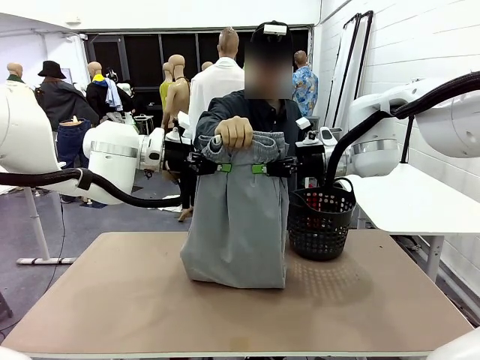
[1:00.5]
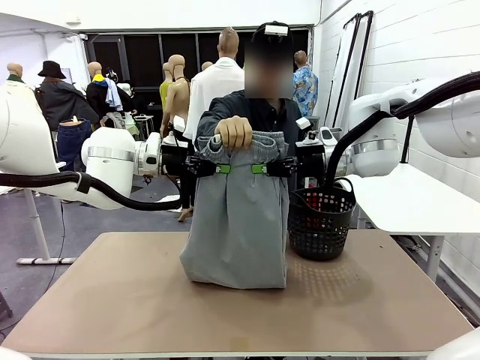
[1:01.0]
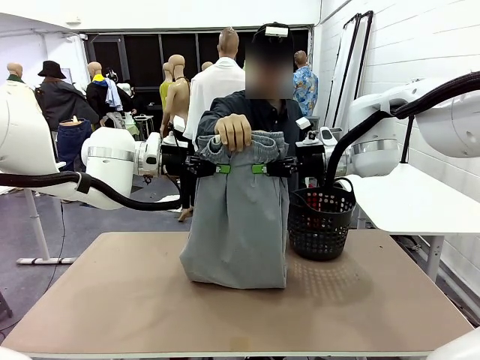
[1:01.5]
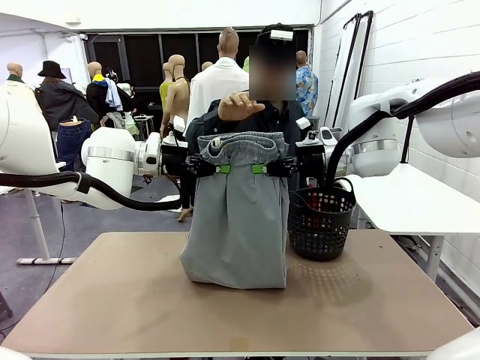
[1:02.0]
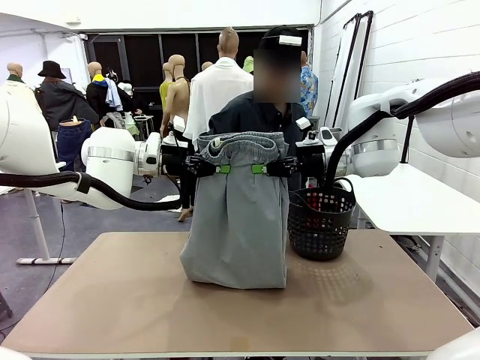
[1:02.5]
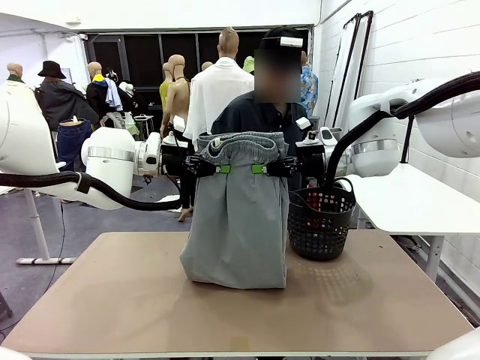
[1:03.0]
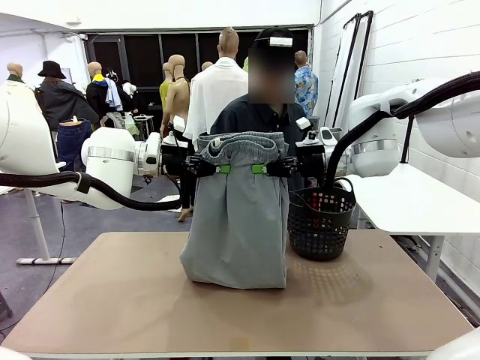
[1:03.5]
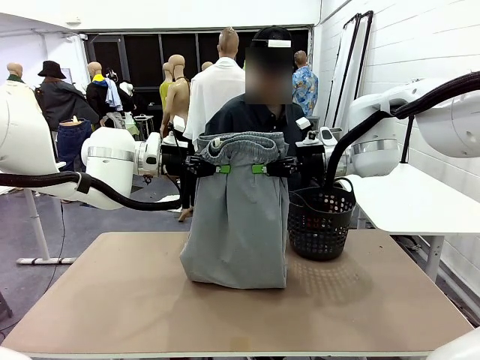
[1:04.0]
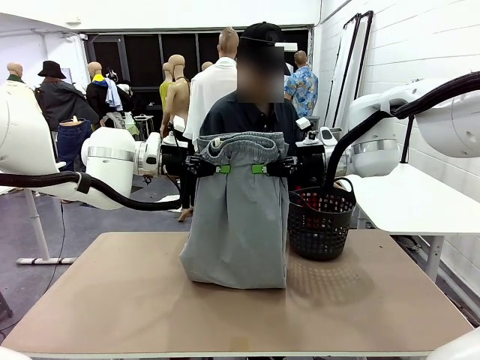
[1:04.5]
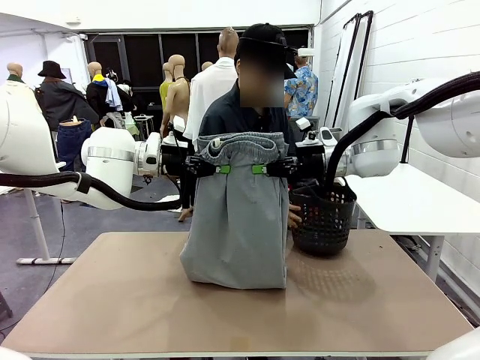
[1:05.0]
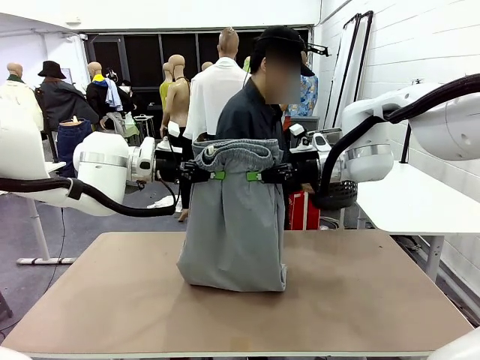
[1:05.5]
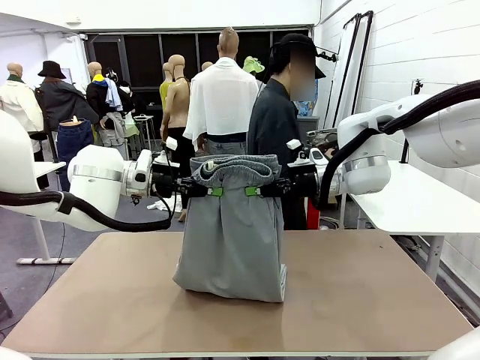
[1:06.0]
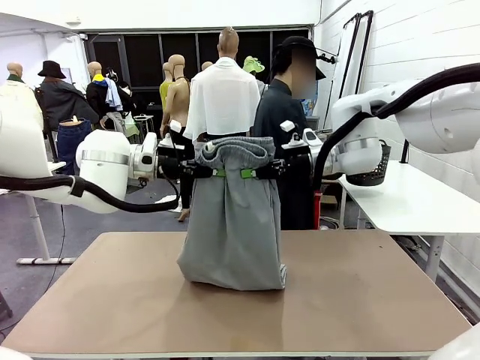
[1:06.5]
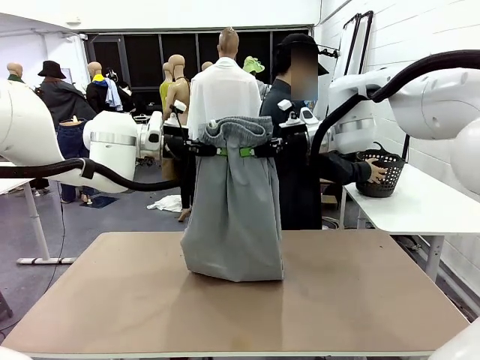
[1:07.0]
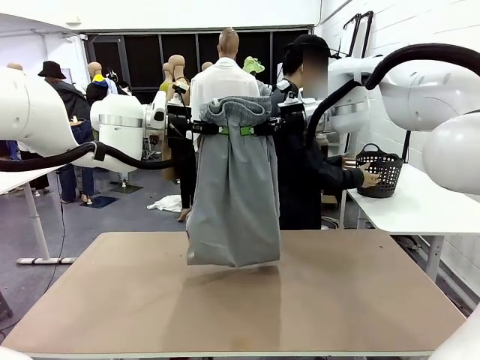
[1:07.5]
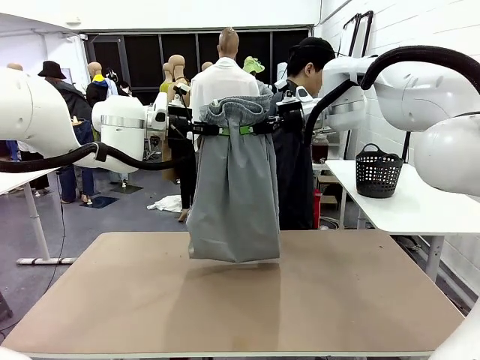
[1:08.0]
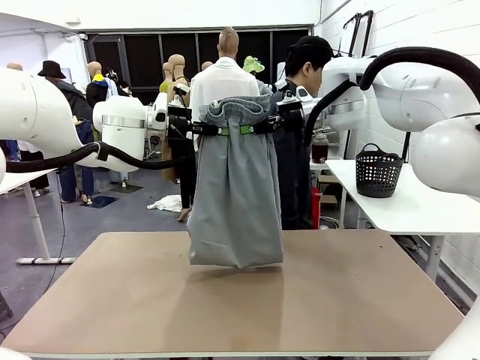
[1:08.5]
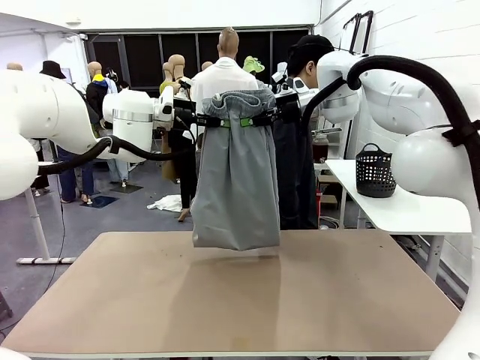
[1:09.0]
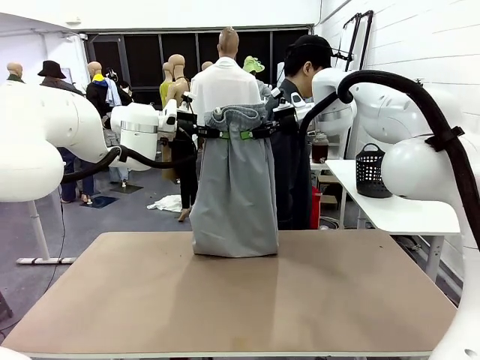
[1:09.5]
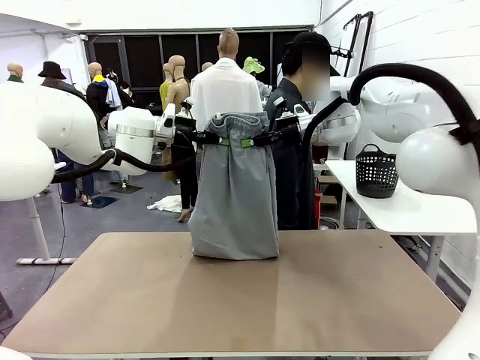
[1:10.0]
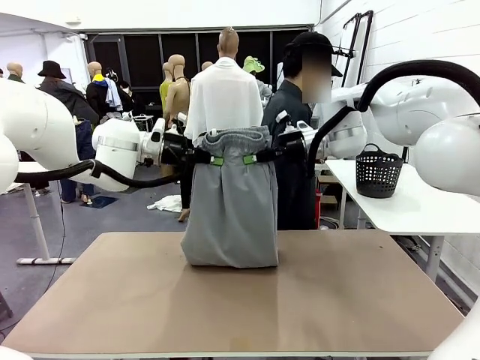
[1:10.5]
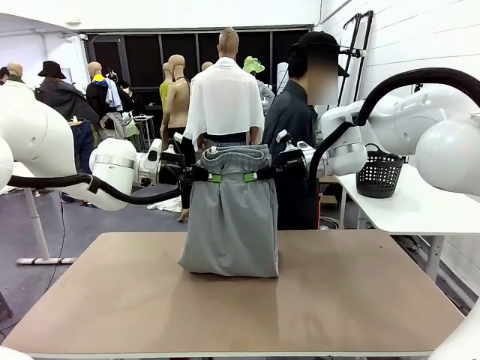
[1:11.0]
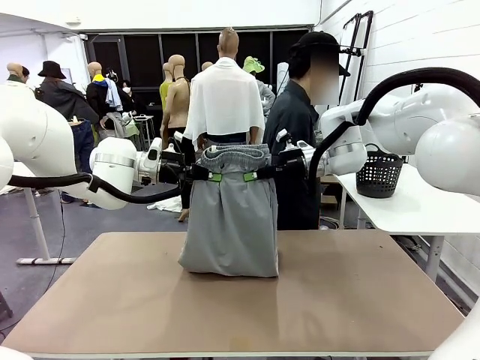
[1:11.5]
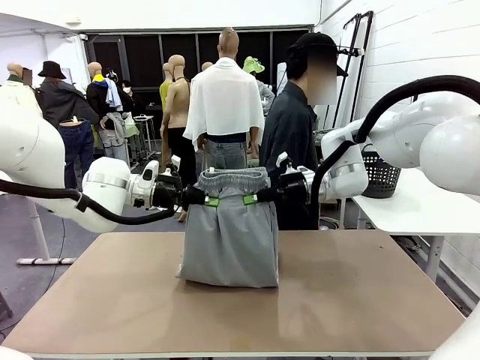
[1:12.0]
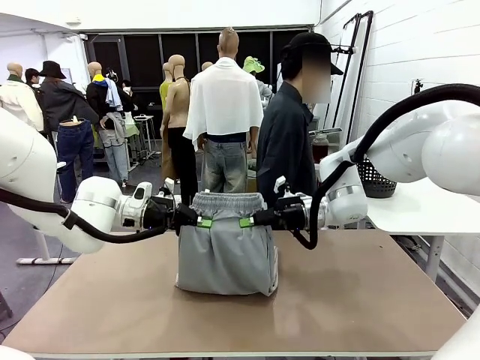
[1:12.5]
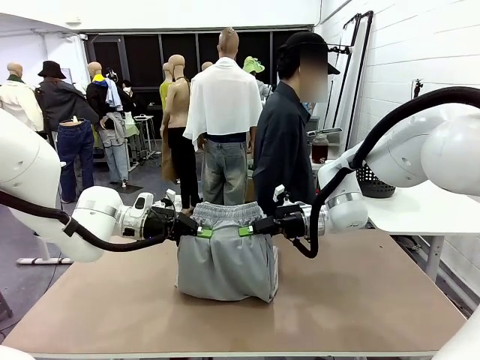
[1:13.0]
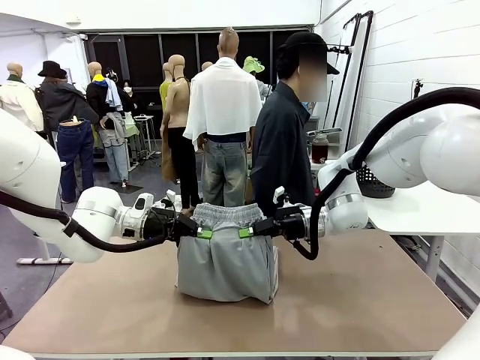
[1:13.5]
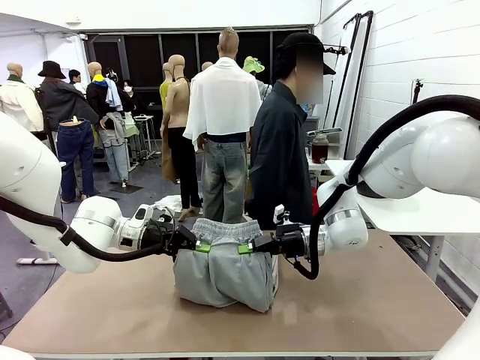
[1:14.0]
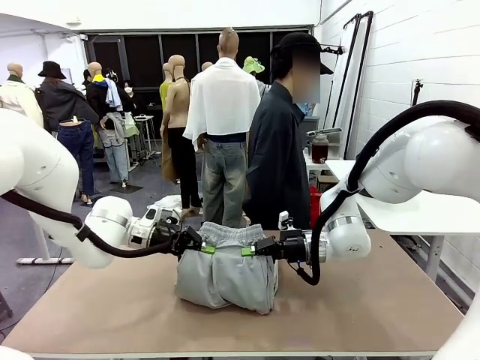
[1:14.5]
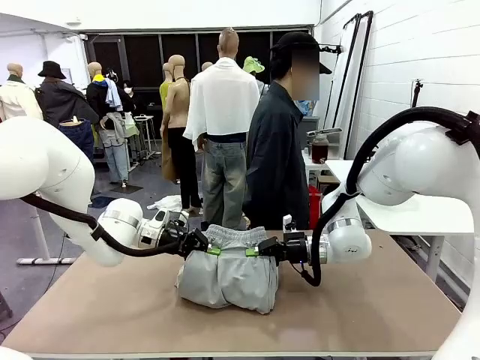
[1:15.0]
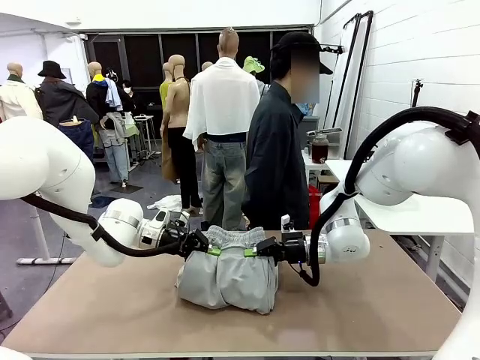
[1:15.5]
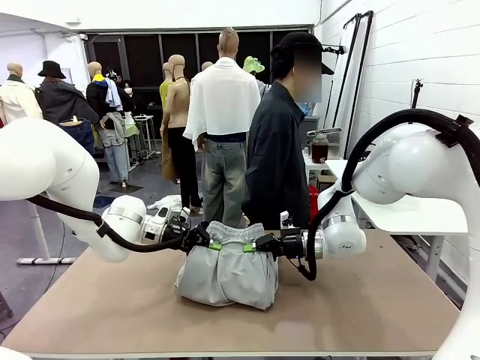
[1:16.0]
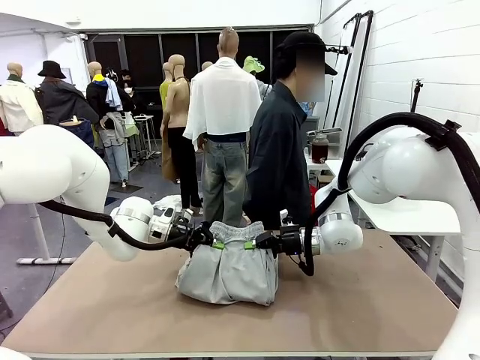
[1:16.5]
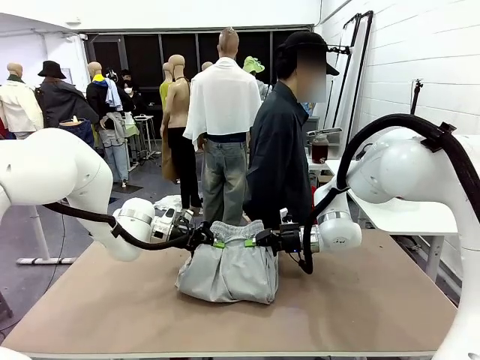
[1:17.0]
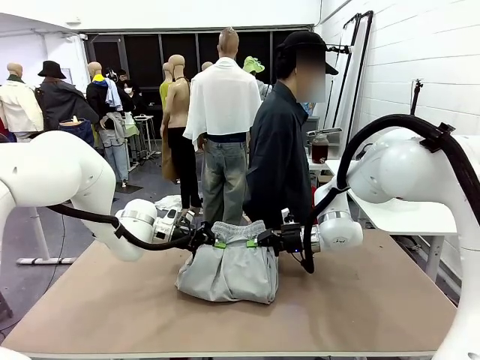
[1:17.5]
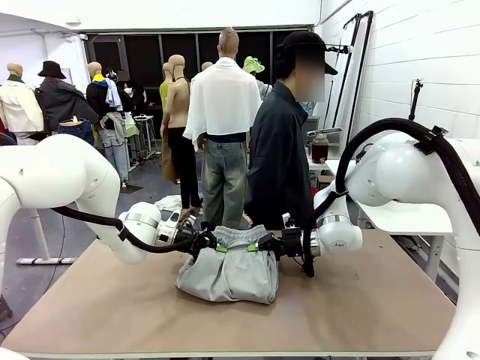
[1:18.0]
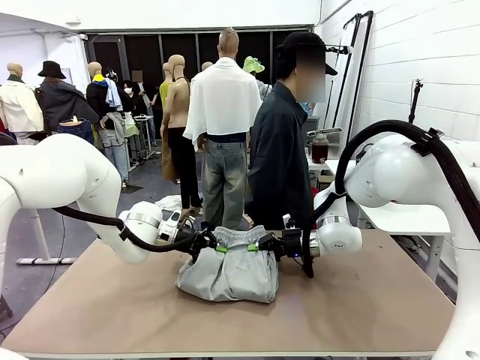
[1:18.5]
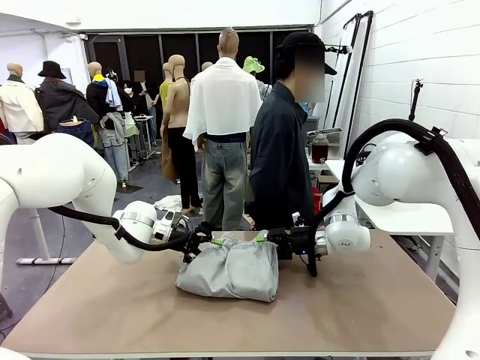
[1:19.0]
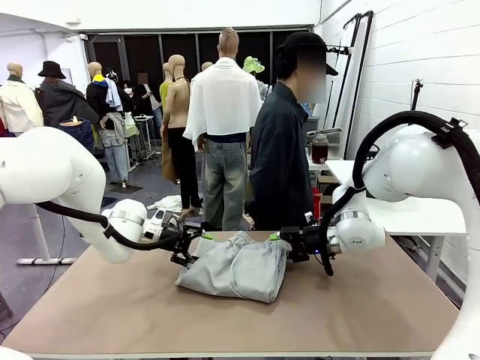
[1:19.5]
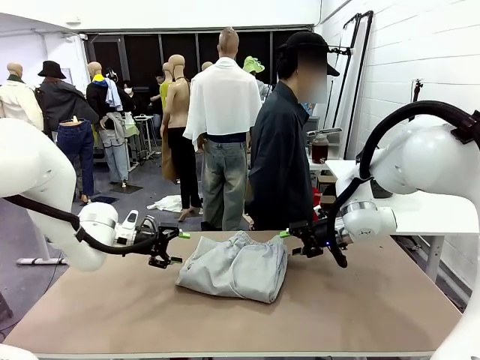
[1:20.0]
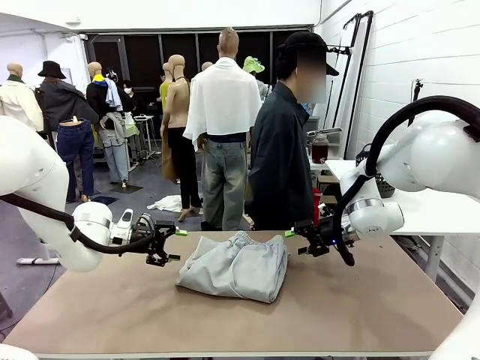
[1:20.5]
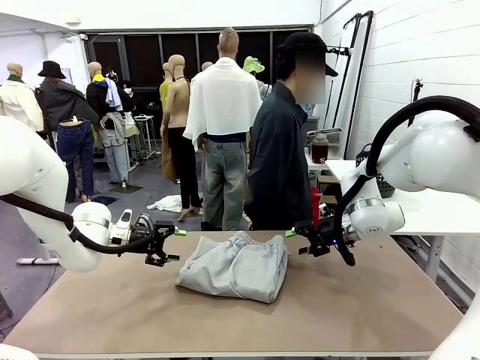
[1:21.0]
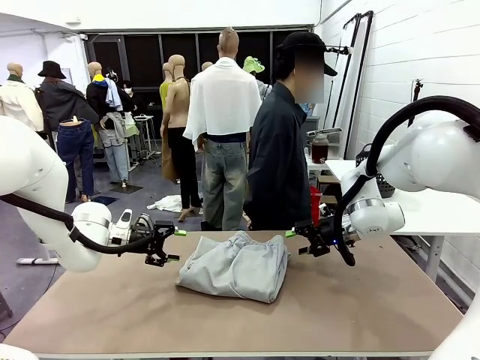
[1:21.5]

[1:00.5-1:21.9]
Task: Fold the training pants.
Robot: Fold the Training pants in half.
Person: Move the laundry basket to the right of the human table.

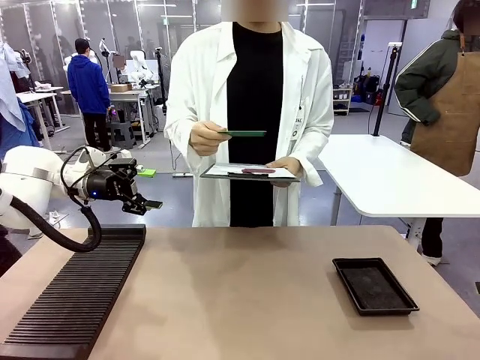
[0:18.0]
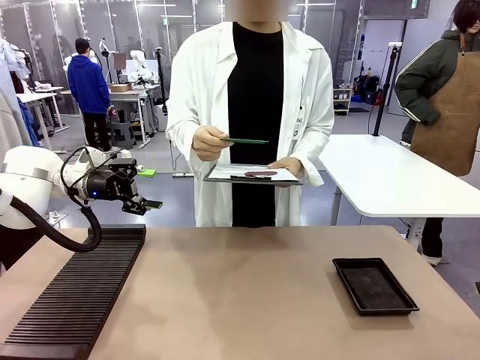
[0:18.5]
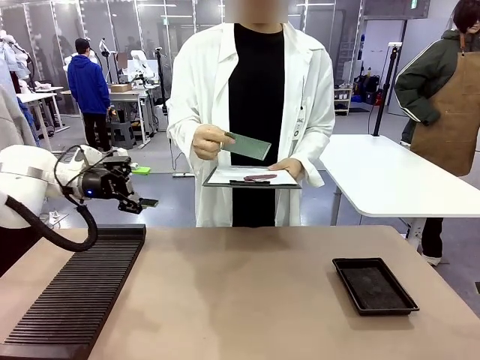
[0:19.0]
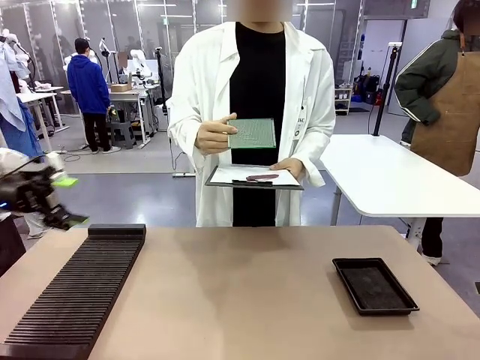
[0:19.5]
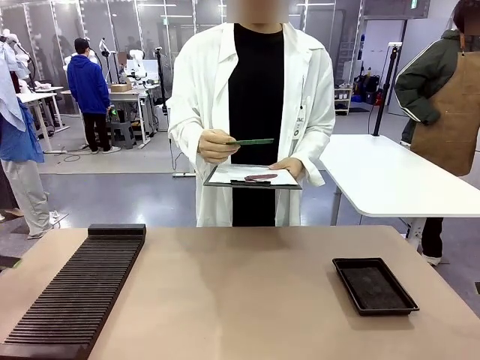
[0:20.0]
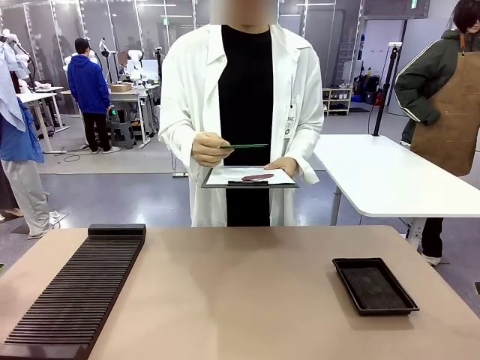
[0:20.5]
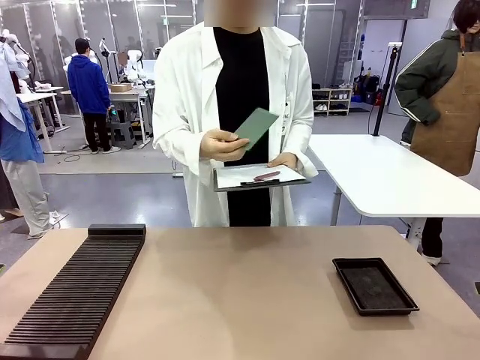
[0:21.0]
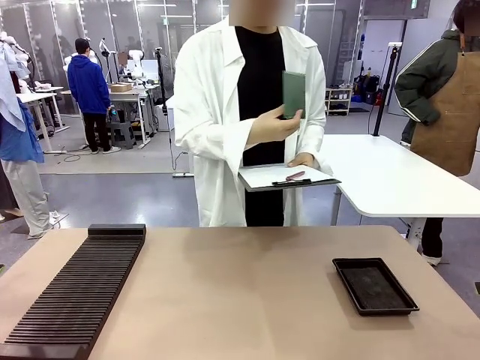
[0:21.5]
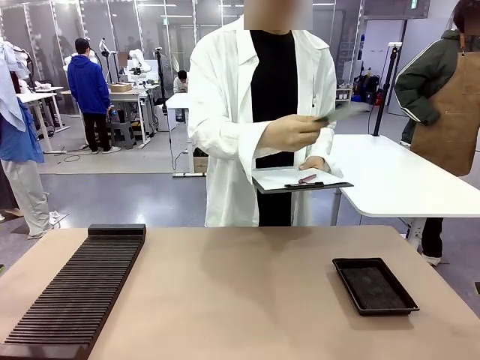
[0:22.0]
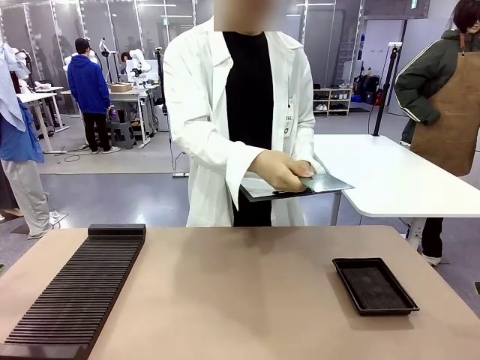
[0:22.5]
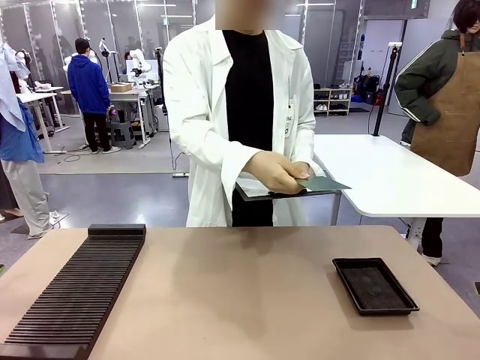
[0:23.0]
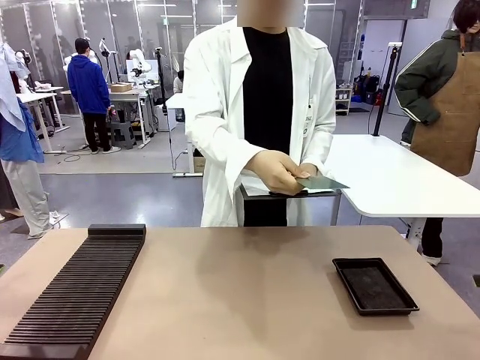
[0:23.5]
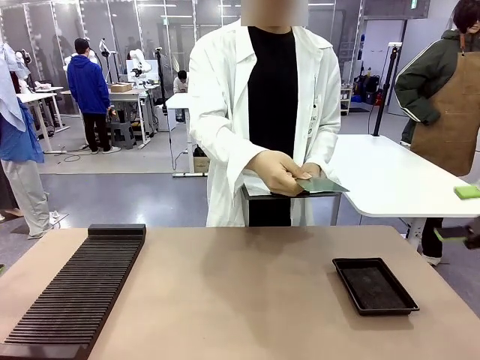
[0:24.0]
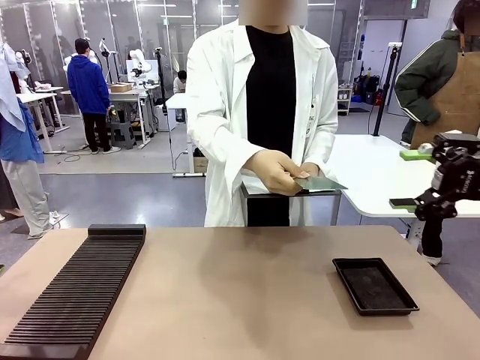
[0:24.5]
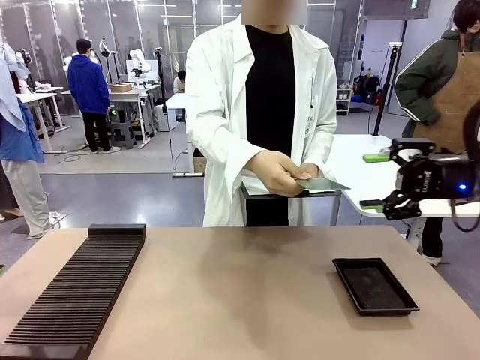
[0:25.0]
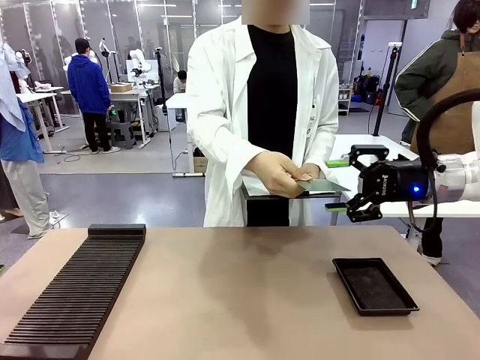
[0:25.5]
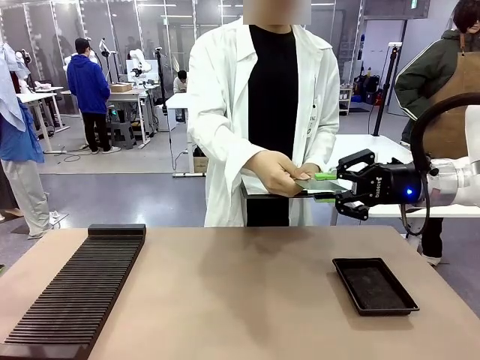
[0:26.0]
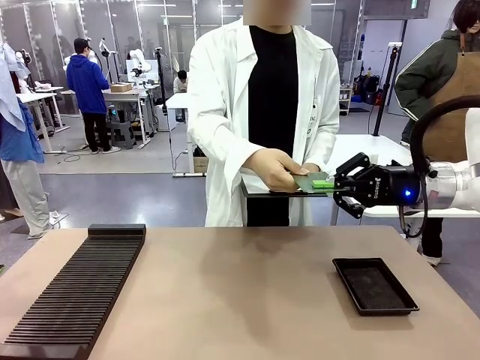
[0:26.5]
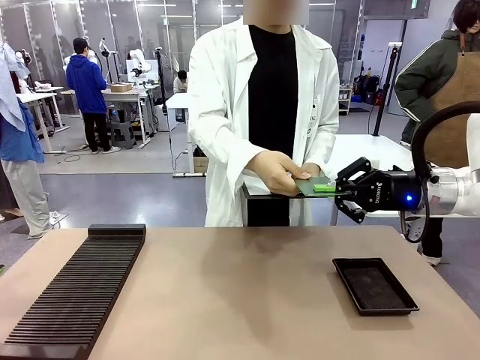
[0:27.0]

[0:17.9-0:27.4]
Task: Inspect the PCB.
Robot: Pick up the Blank PCB that the human is holding.
Person: Inspect the PCB placed by the robot, then hold it out in front of the robot. Release the PCB you were holding.
